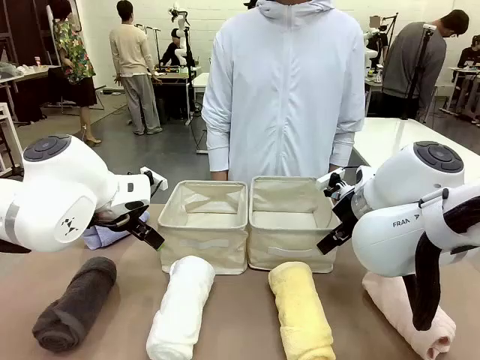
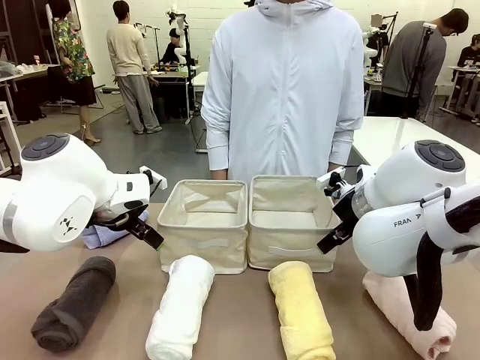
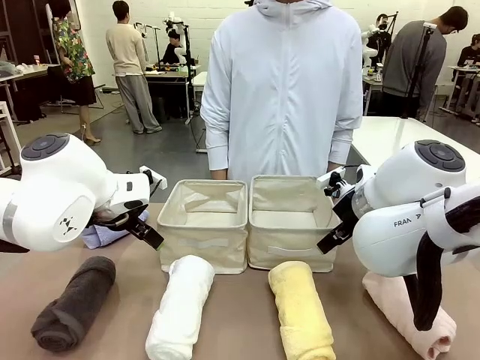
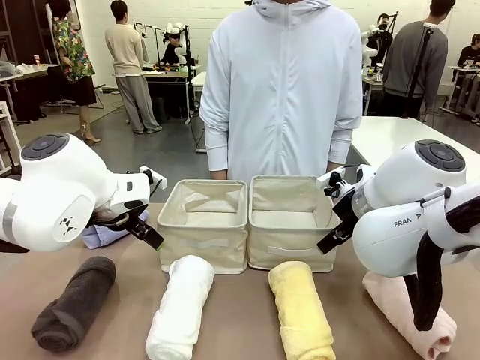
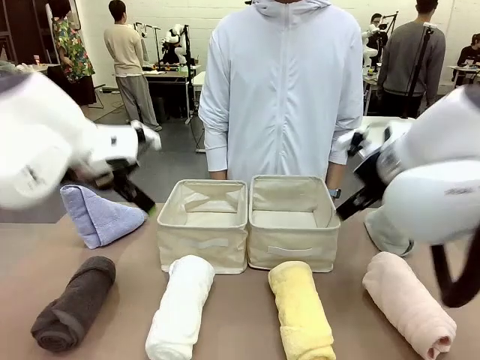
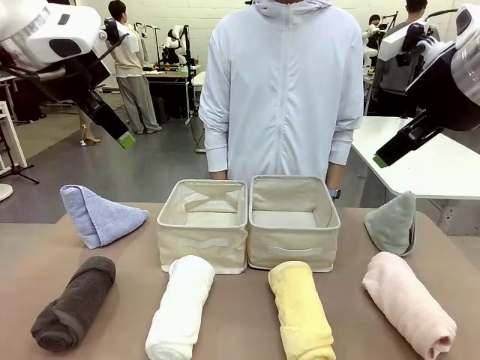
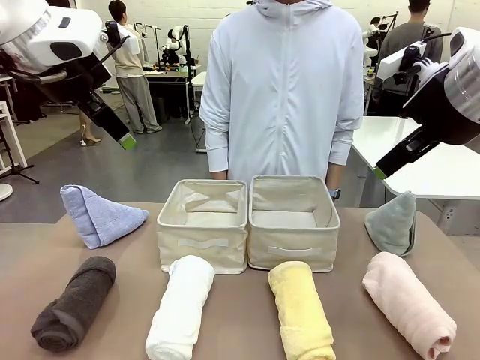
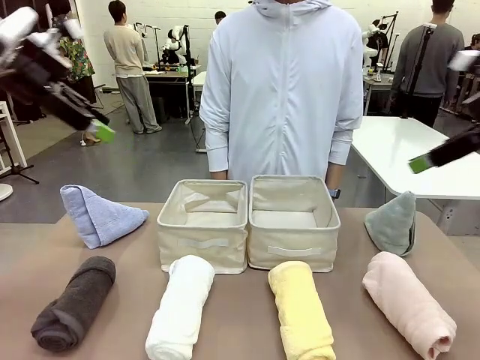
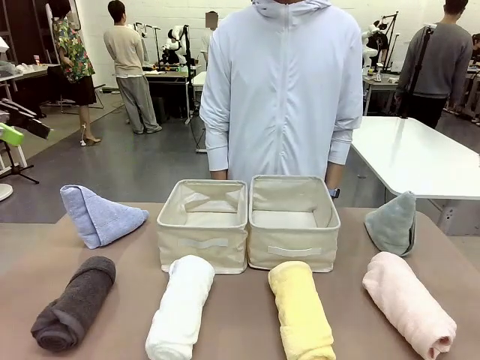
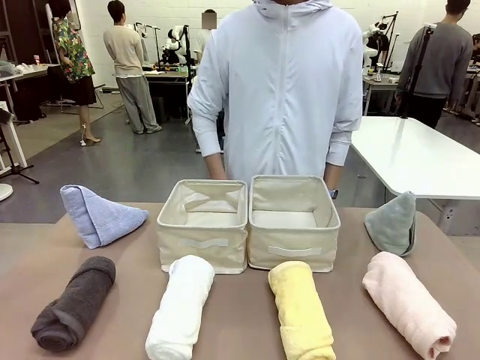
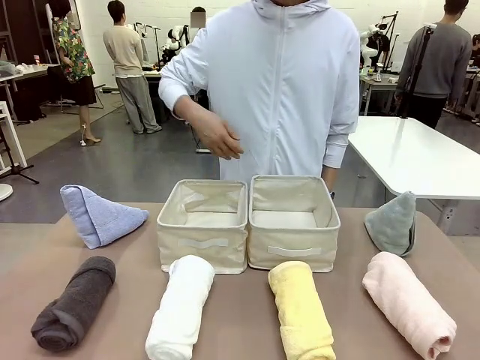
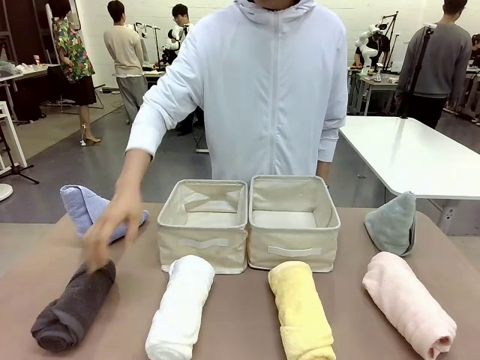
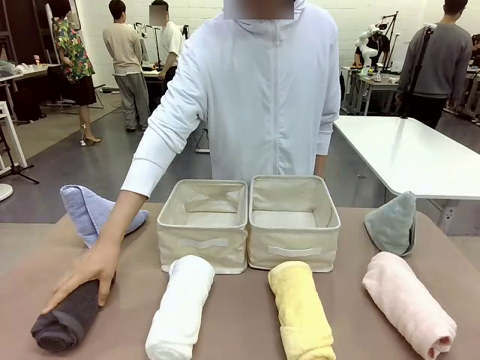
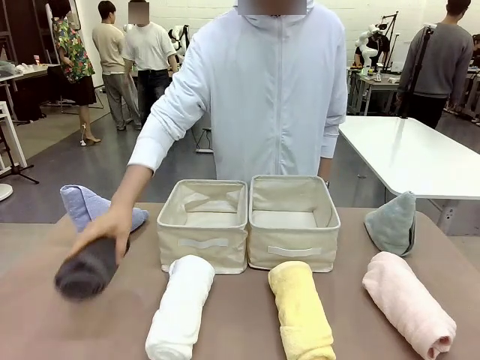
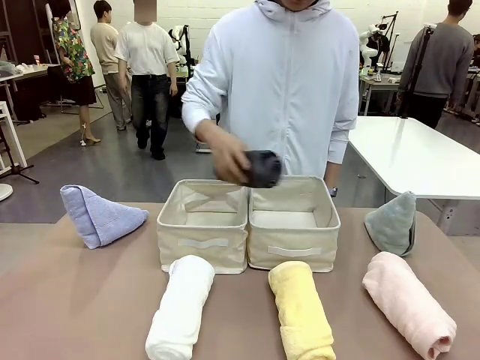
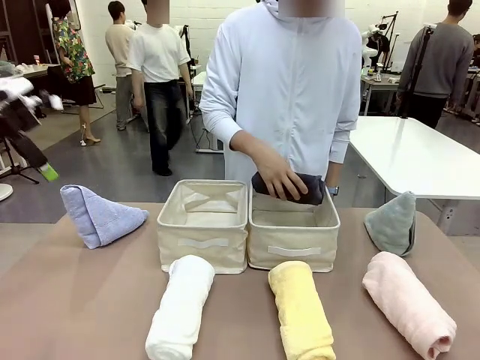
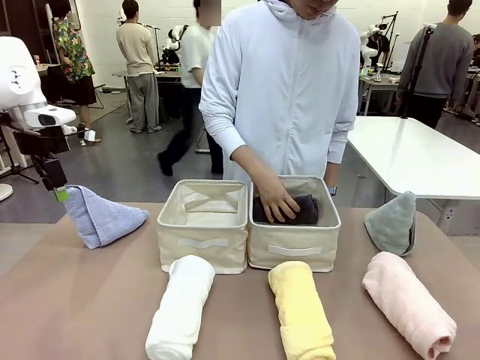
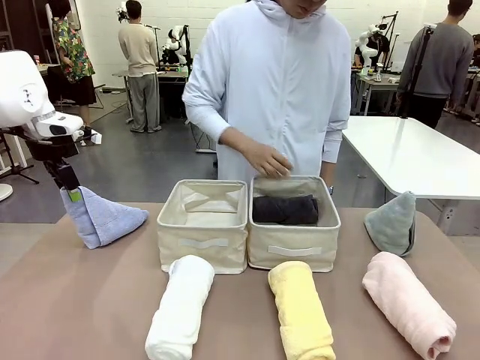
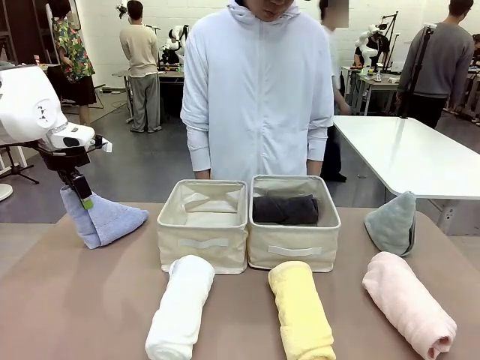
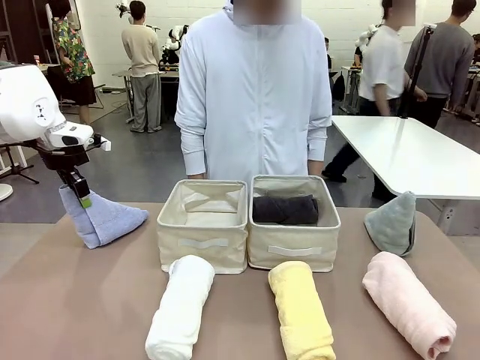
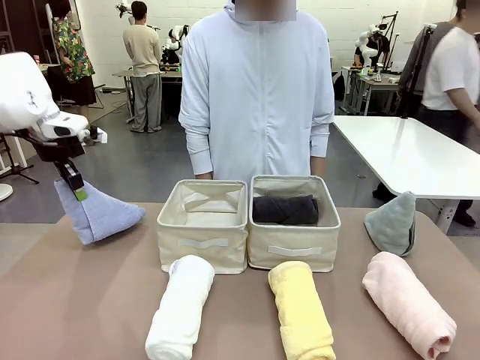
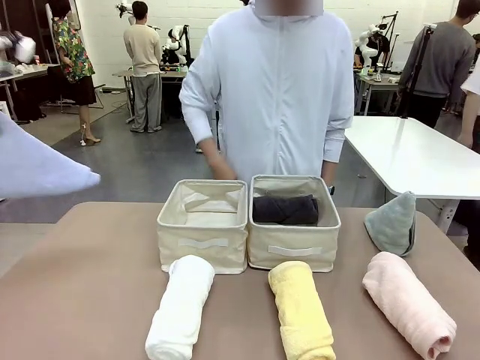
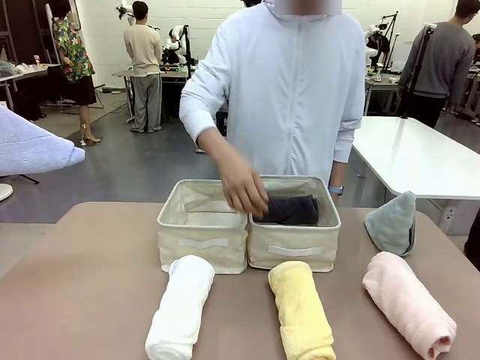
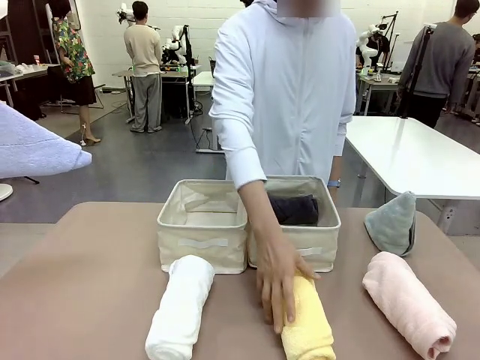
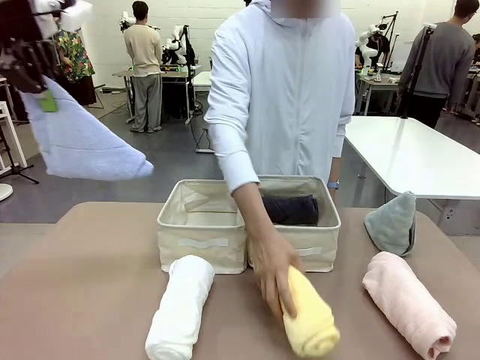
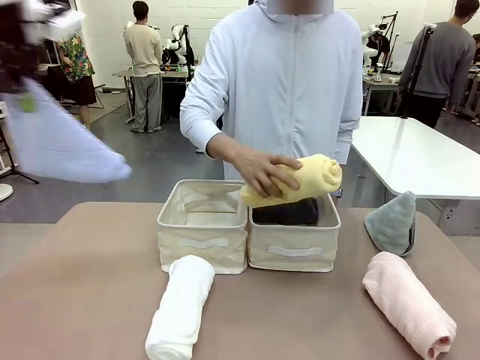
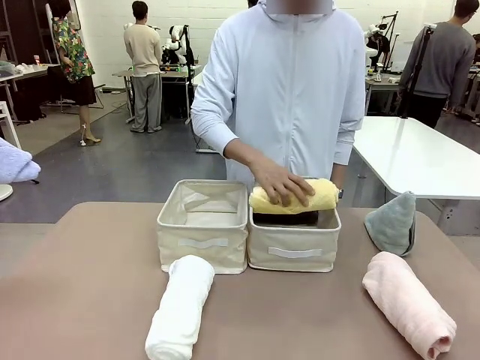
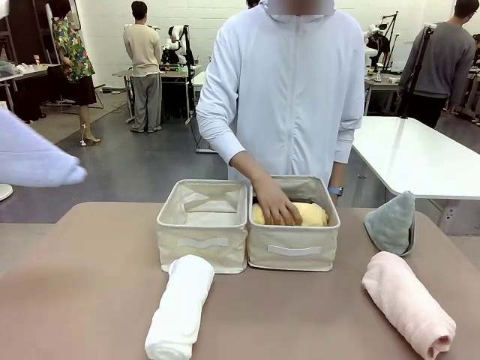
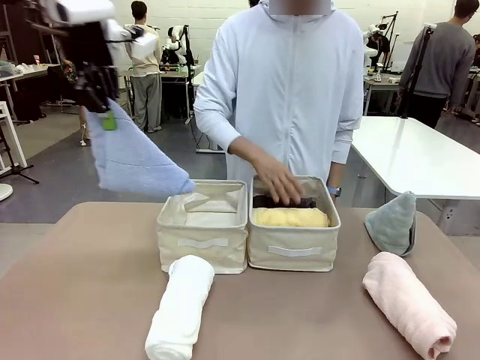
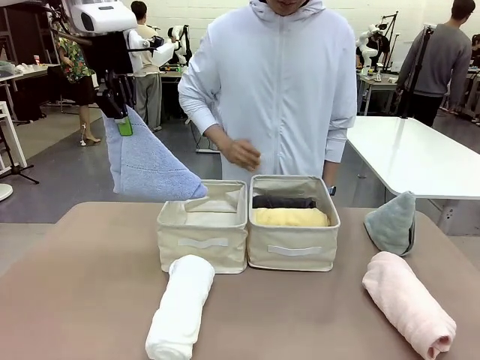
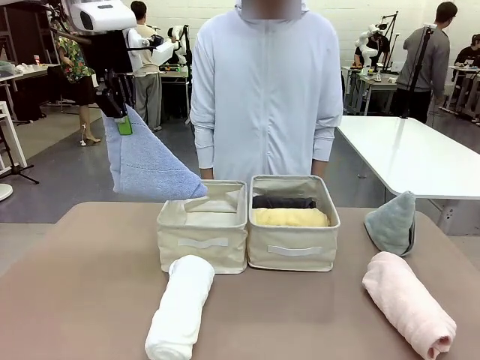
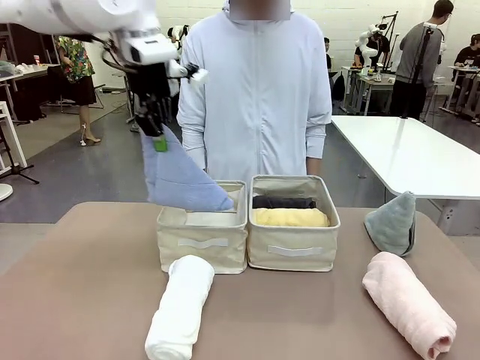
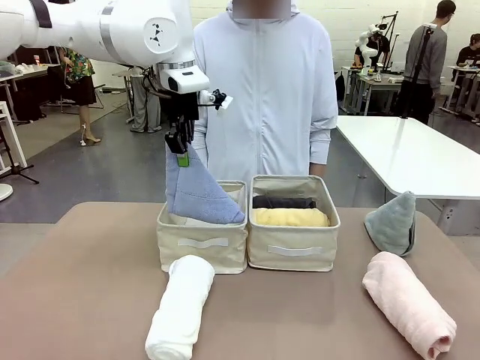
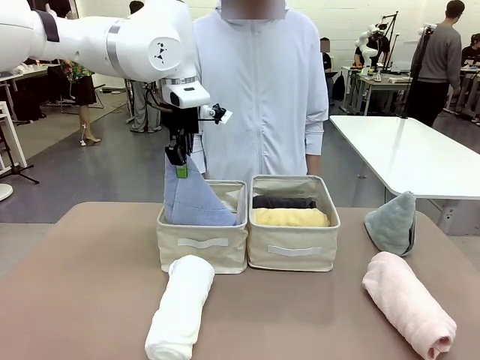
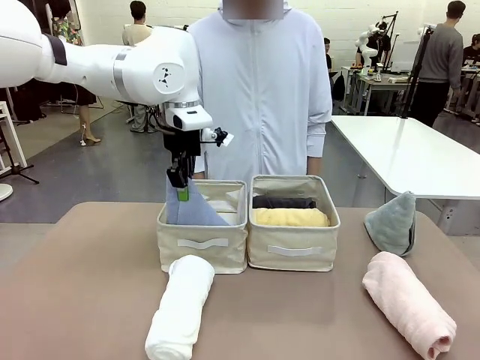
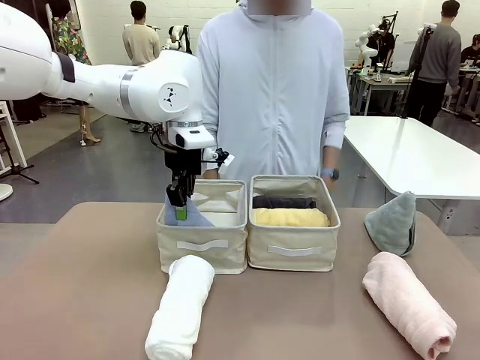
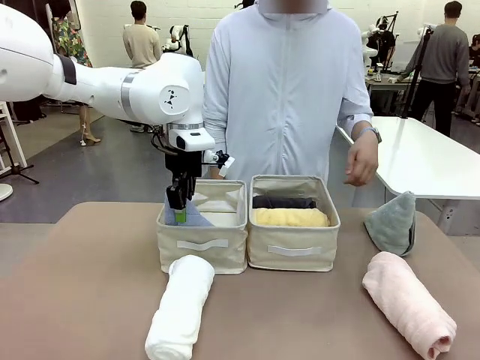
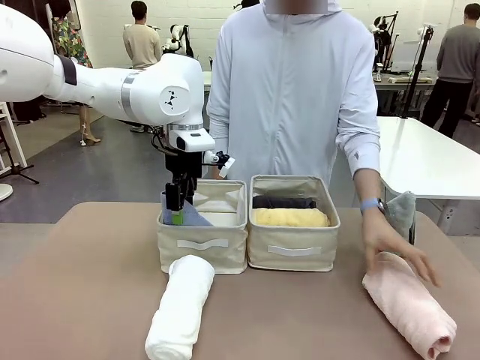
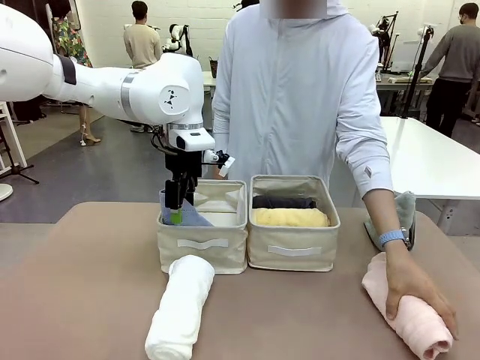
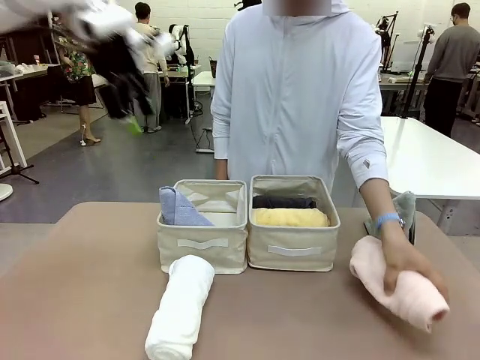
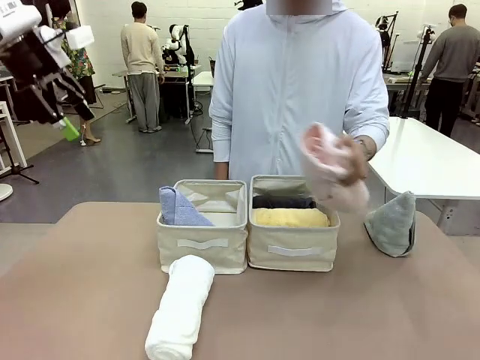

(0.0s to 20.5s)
Task: Sort the towels based on their folding style.
Robot: Pick up one triangle-folded towel and place it in the left Fabric basket.
Person: Pick up one hotel-style rolled towel and place it in the left fabric basket.
